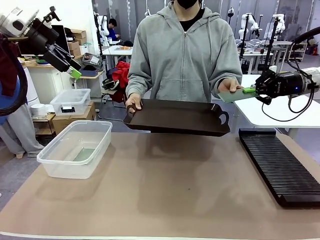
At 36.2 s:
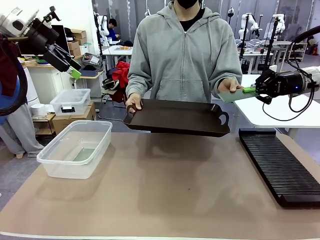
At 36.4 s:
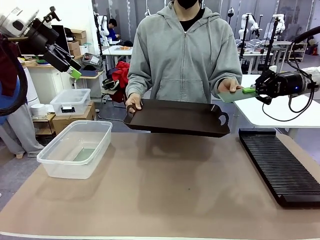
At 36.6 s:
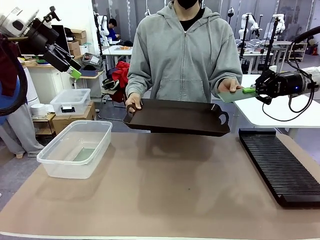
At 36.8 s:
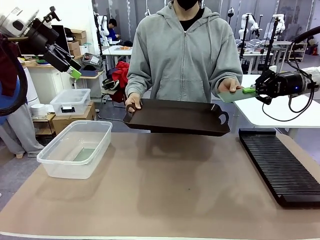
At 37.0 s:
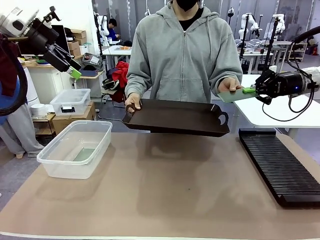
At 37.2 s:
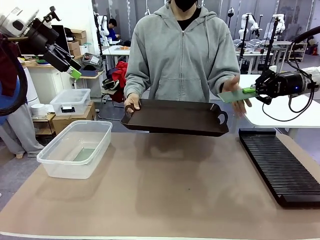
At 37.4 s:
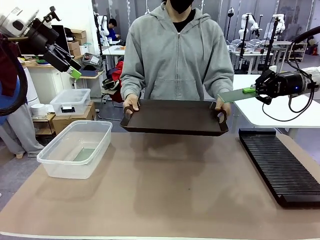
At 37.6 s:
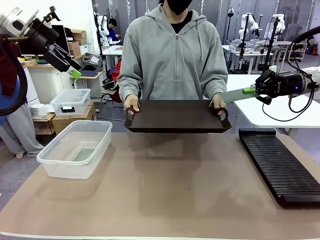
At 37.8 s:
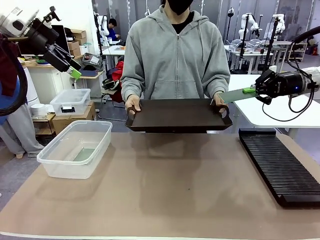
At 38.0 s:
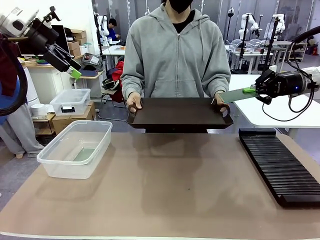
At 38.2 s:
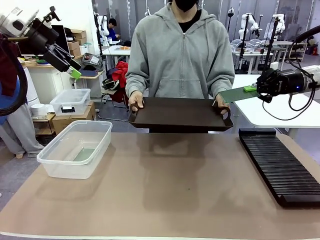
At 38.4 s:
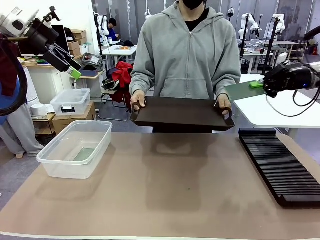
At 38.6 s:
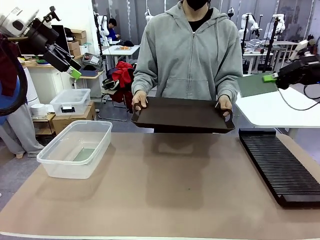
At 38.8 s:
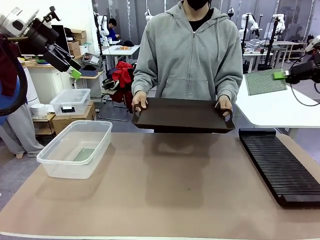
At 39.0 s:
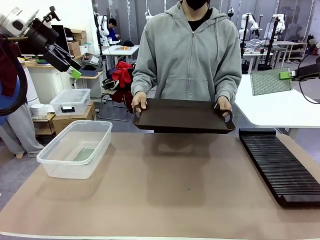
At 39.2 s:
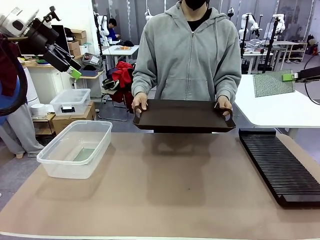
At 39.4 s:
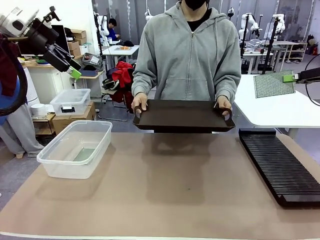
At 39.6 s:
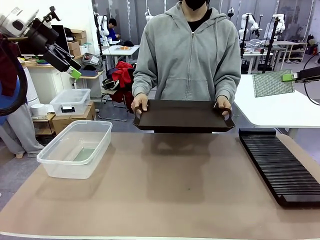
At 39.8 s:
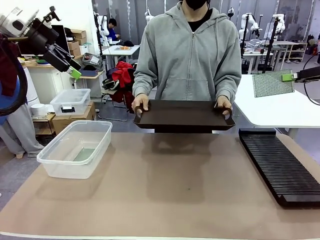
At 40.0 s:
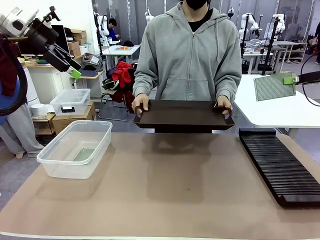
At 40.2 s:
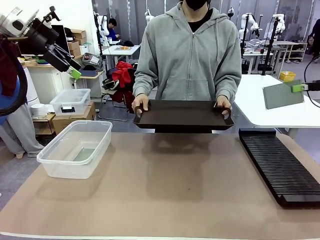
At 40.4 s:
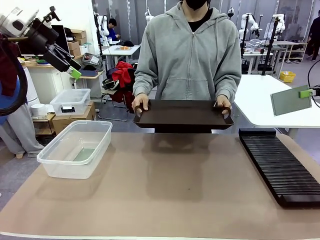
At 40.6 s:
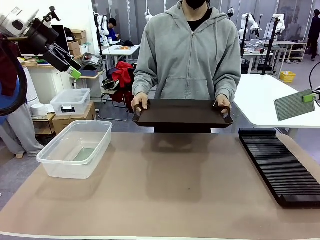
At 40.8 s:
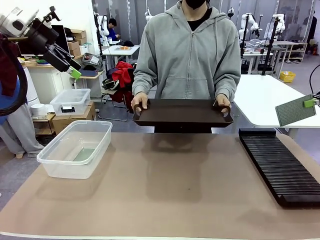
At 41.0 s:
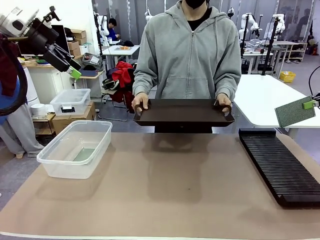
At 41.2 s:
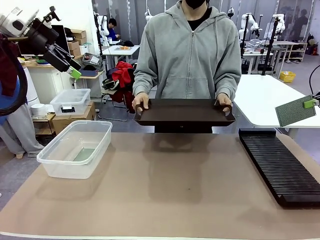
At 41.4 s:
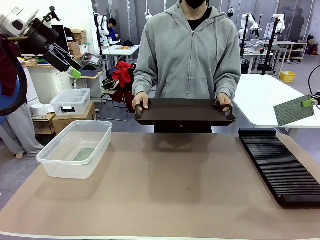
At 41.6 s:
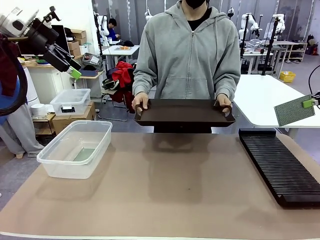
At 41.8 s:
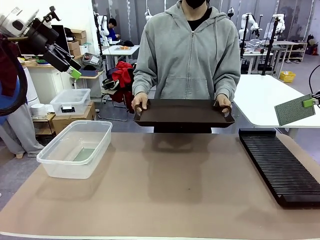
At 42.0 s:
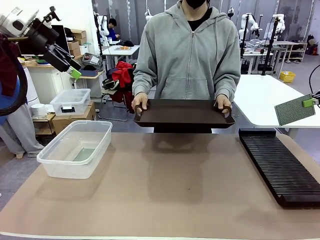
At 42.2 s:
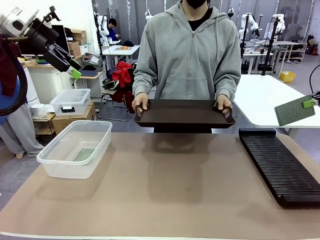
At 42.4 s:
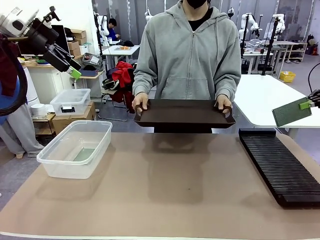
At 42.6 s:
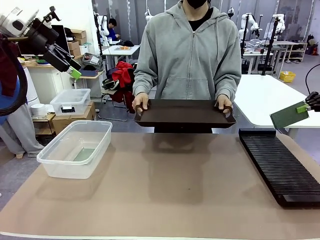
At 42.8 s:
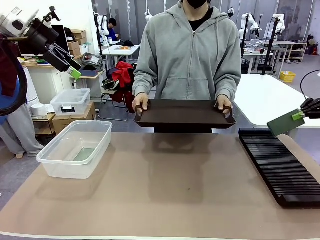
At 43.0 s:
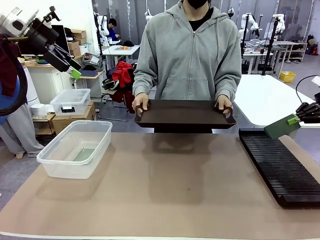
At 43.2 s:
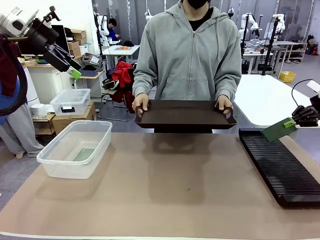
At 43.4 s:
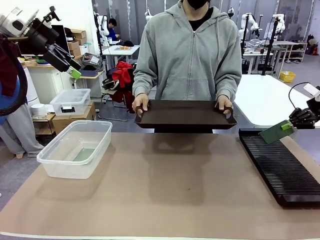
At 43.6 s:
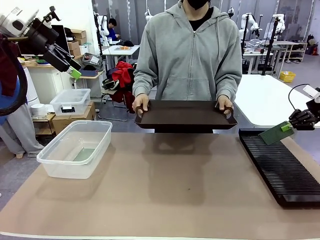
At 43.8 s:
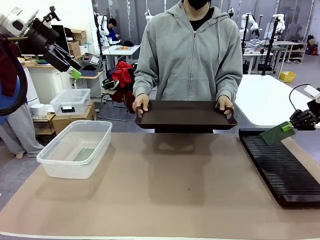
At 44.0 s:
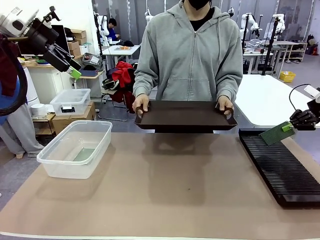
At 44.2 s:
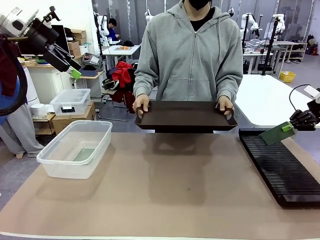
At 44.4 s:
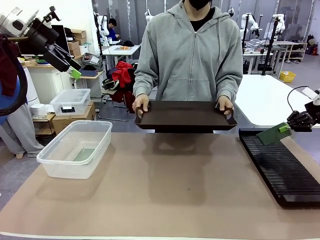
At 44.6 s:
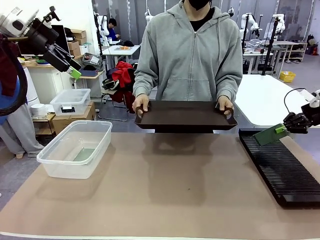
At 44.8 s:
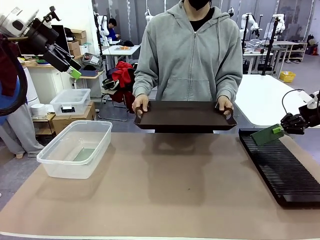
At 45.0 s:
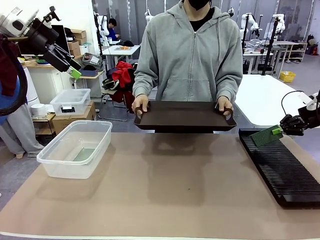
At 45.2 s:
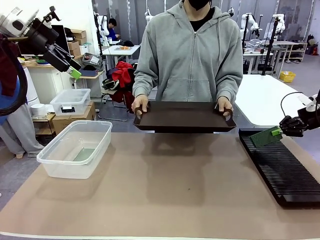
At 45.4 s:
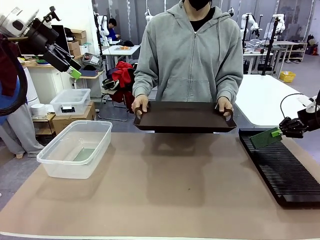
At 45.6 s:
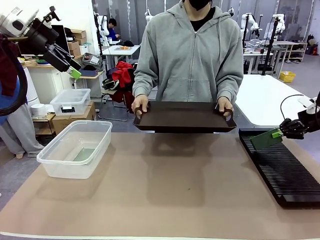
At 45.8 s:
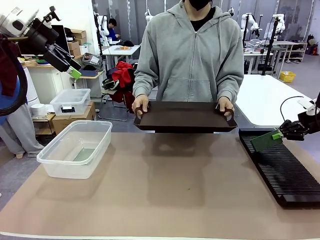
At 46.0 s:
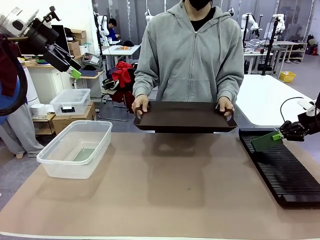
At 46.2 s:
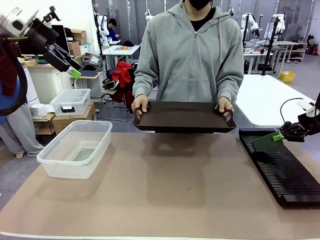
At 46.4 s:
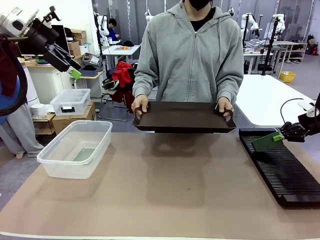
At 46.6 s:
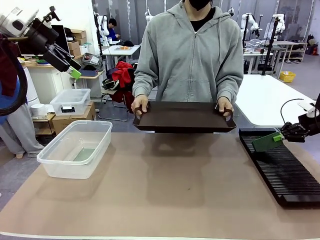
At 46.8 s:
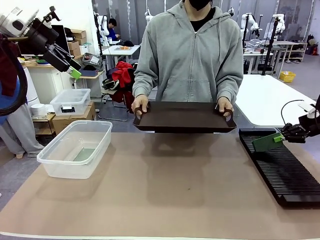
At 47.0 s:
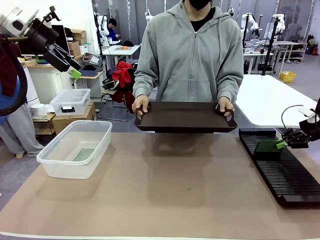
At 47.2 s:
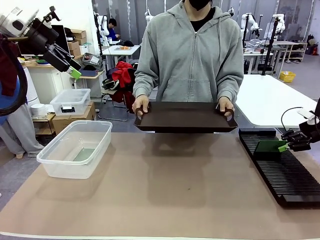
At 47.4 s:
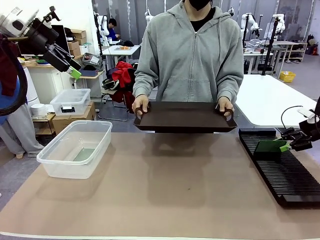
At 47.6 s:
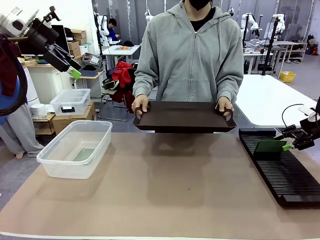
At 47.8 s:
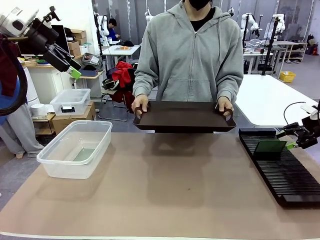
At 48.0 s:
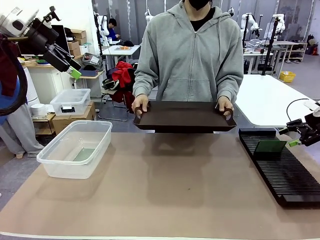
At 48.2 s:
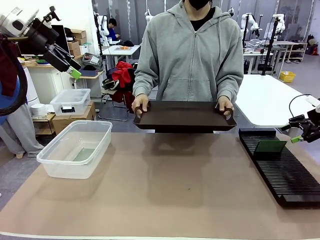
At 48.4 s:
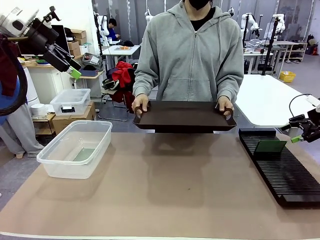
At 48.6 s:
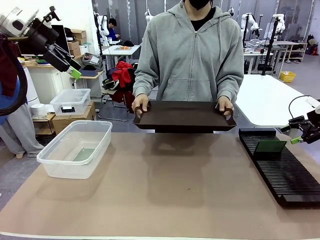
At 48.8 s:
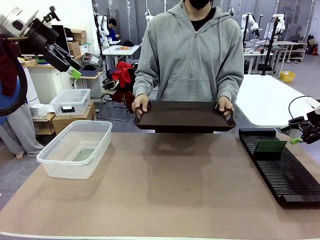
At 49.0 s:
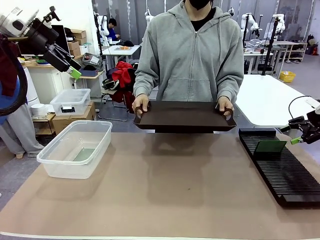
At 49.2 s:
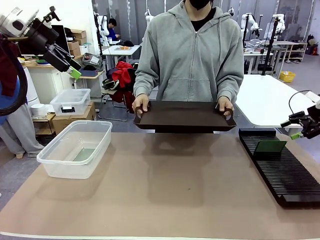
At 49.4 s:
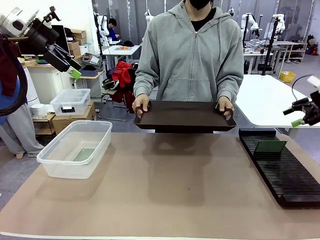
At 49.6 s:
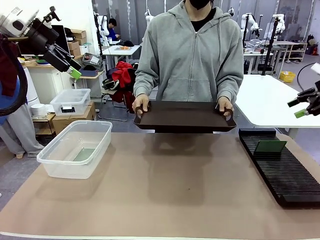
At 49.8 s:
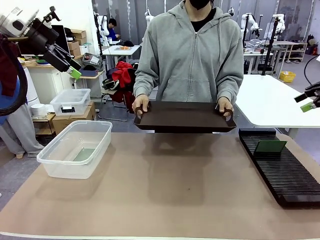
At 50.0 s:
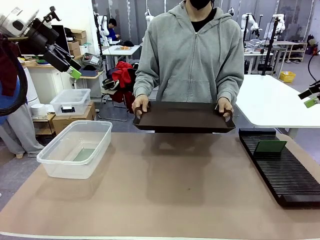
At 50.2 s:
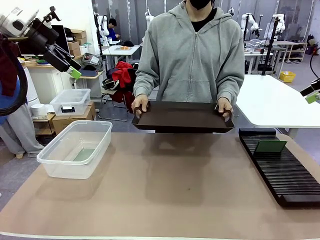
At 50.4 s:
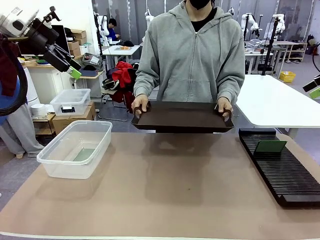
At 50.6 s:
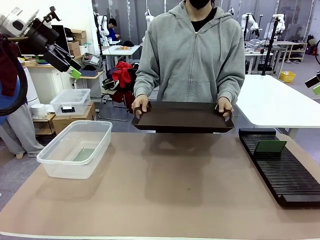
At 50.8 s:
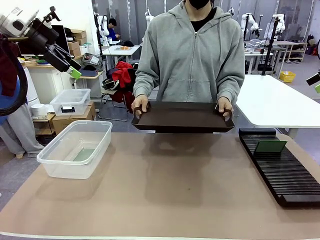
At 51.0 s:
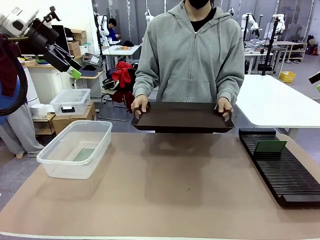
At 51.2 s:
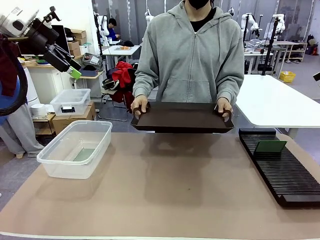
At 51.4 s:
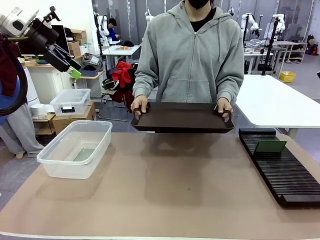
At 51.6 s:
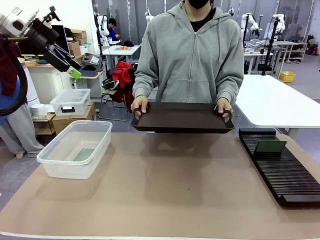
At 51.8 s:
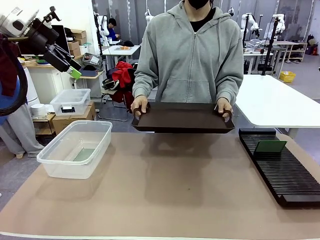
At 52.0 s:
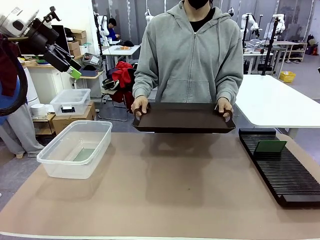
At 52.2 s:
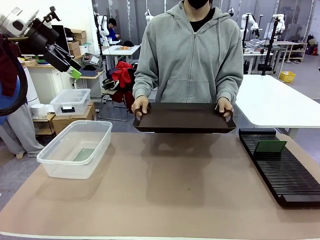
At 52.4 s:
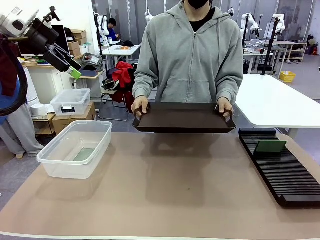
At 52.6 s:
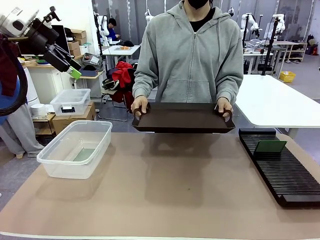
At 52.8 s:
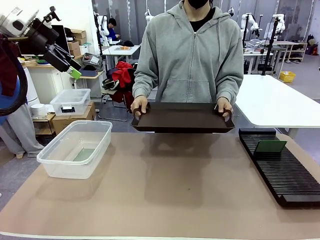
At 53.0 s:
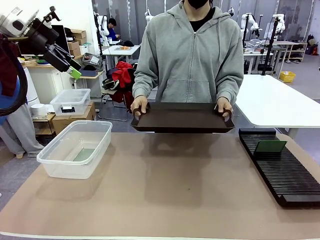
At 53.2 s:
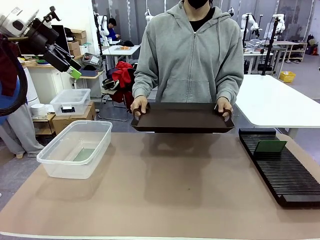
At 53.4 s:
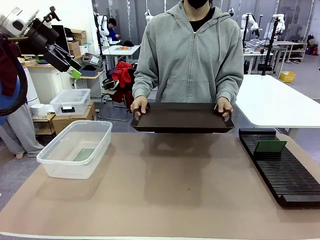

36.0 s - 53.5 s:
Task: Sort PCBs into racks and boxes based on the side picked up.
Robot: If the short side of the Blank PCB is picked up, insert it into the PCB Rack ; if the long side is picked up, place it in the Organizing box.
Person: Release the PCB being held.

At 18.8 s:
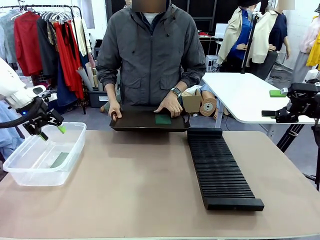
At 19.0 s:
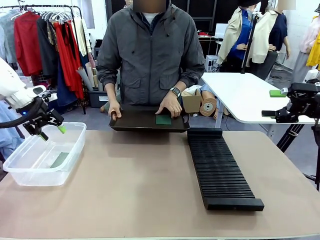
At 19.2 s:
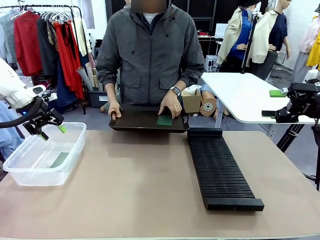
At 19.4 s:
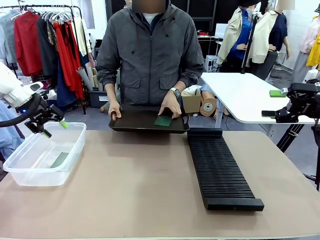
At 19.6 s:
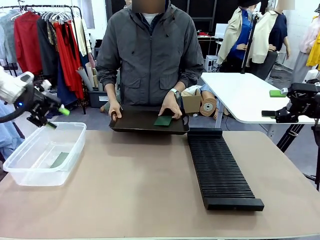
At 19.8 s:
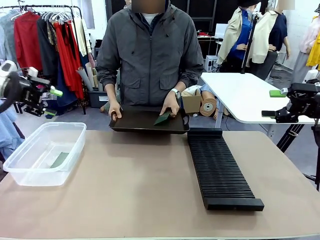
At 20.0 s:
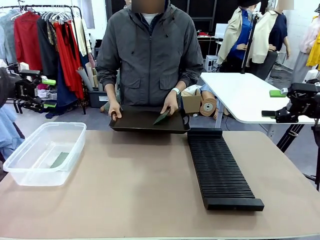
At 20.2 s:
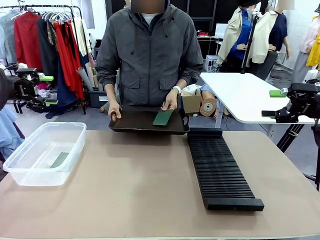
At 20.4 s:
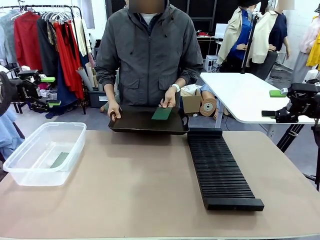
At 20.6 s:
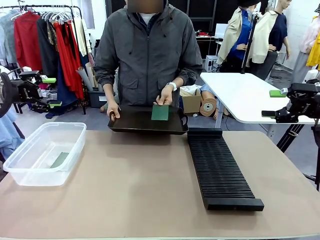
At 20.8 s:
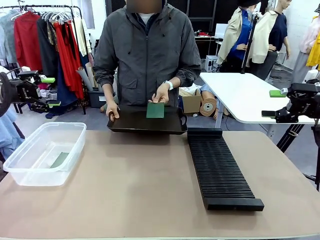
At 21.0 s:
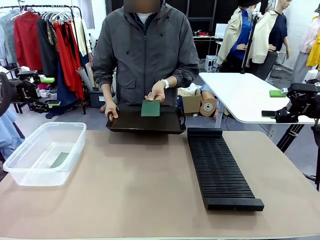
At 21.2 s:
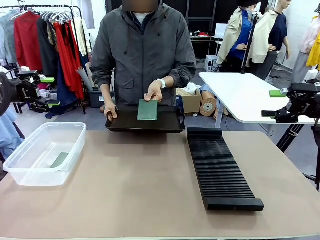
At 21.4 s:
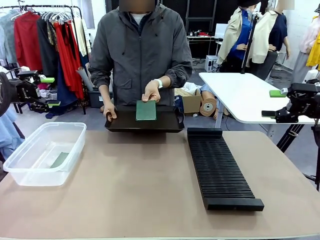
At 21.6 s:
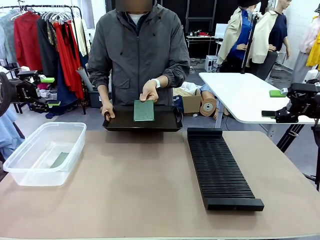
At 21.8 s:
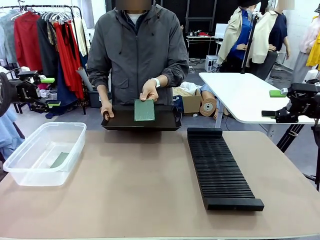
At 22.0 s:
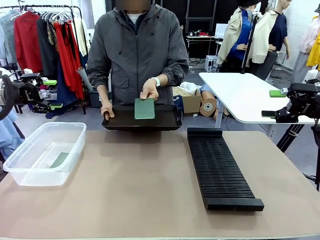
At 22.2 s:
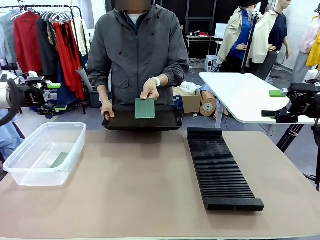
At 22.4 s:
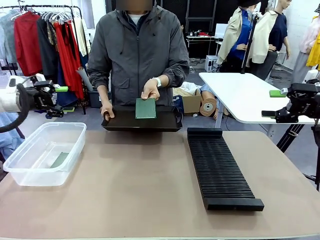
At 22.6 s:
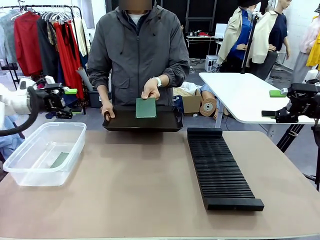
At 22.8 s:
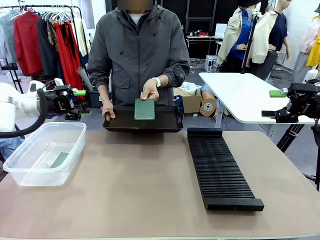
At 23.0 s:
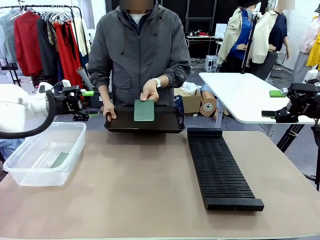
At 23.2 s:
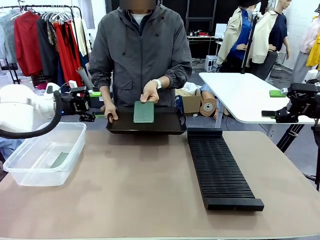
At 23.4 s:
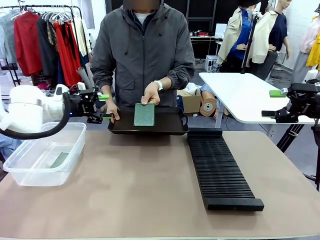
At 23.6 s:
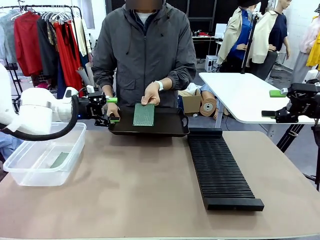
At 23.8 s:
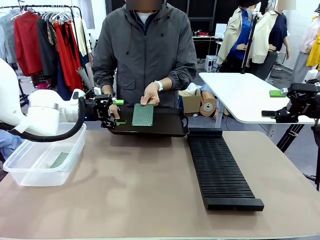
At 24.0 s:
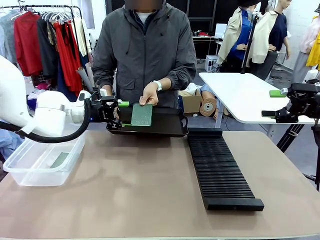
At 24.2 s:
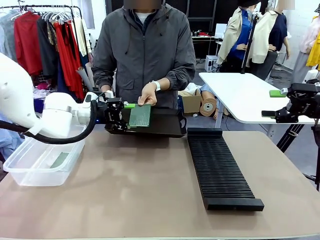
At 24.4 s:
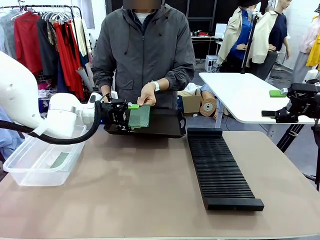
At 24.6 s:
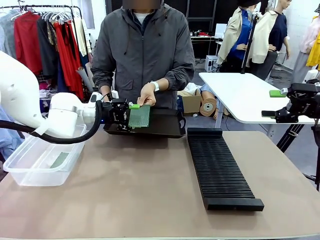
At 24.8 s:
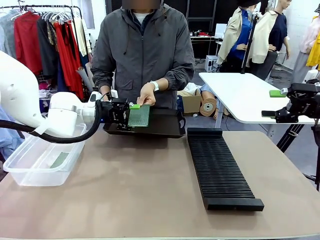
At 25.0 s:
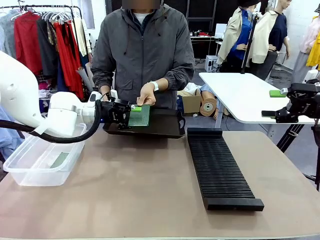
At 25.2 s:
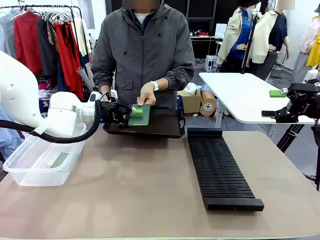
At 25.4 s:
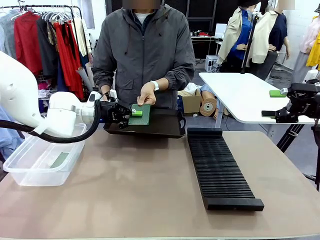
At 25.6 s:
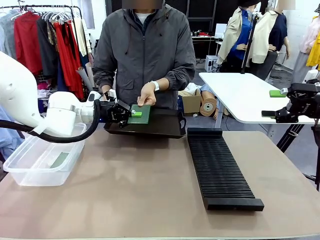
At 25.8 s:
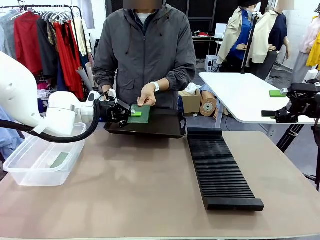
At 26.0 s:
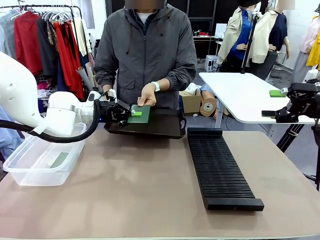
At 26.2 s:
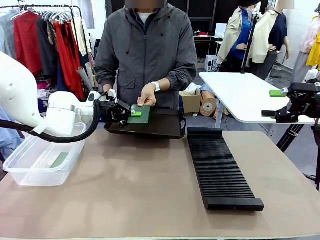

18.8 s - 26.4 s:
Task: Sort PCBs into racks and boxes based on the side picked up.
Robot: Pick up the Blank PCB handed by the Human.
